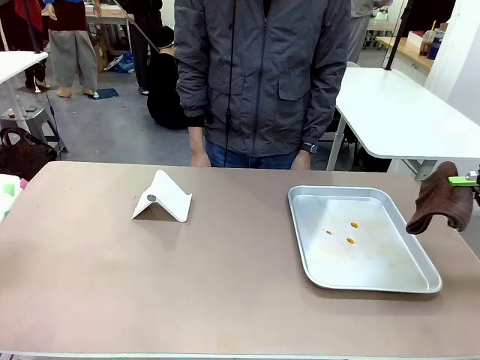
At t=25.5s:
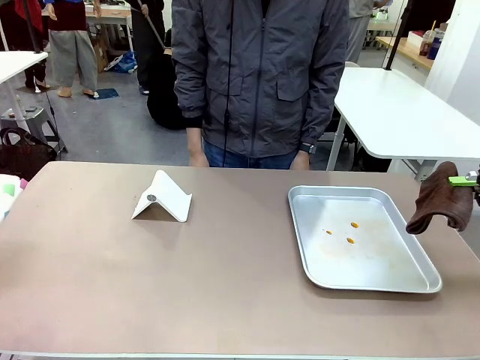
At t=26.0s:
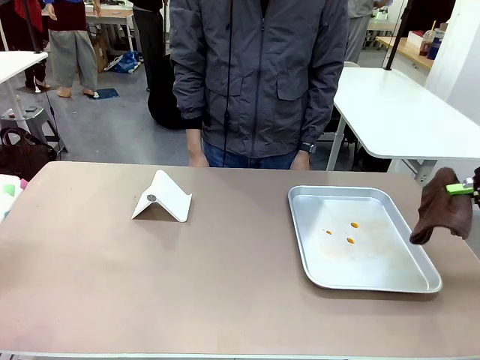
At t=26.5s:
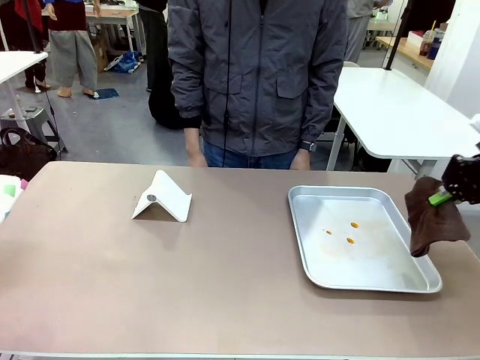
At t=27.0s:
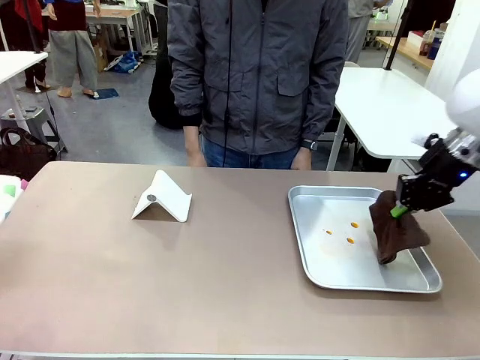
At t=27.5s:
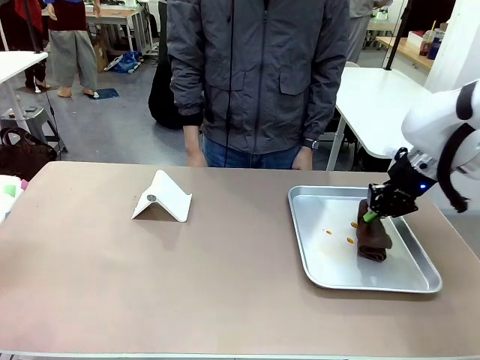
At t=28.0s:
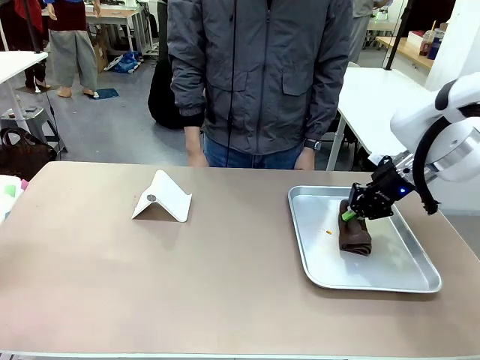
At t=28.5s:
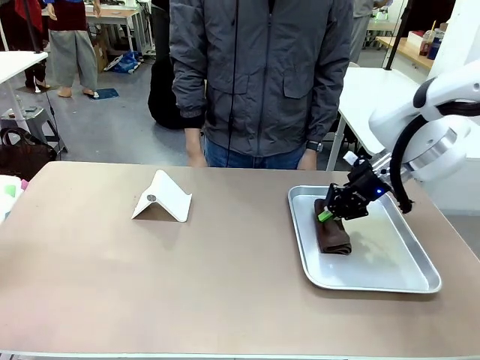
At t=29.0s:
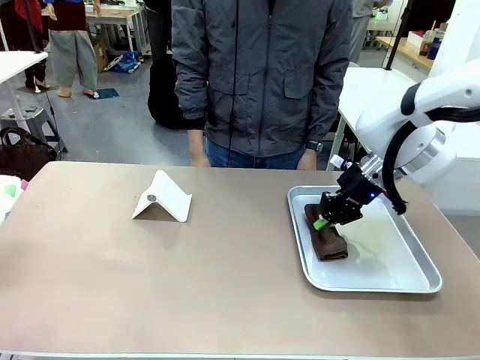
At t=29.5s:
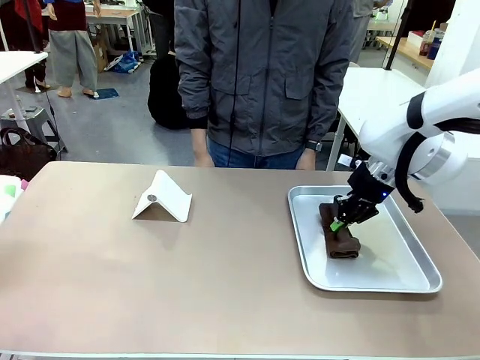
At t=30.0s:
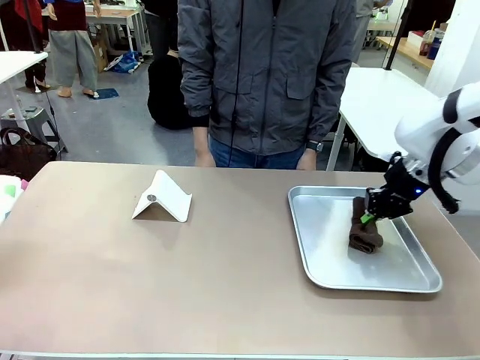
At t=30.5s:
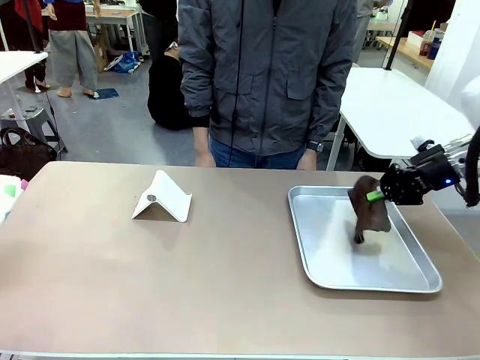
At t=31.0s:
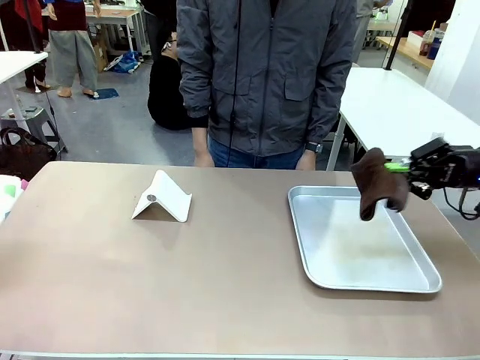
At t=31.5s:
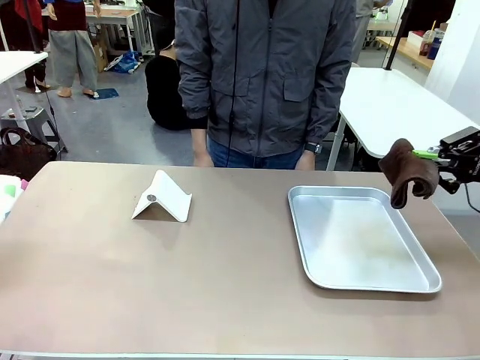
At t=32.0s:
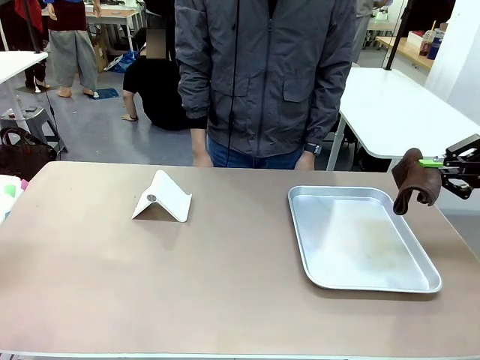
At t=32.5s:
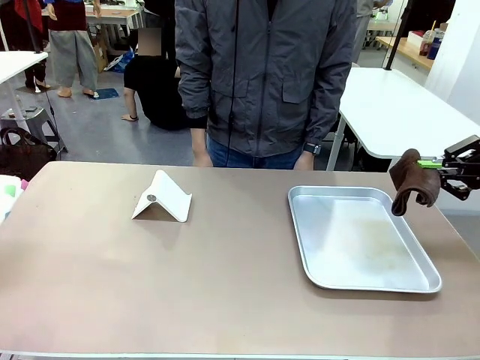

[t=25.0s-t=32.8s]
Task: Clean the surface of the table.
Robot: Clean the area not pointed to by the person.

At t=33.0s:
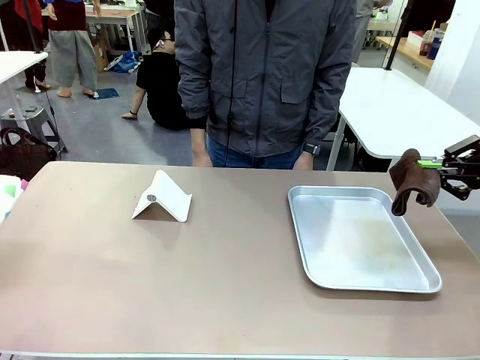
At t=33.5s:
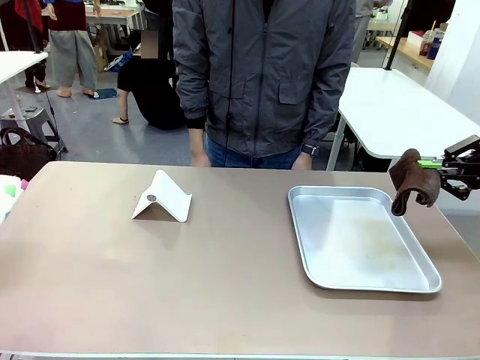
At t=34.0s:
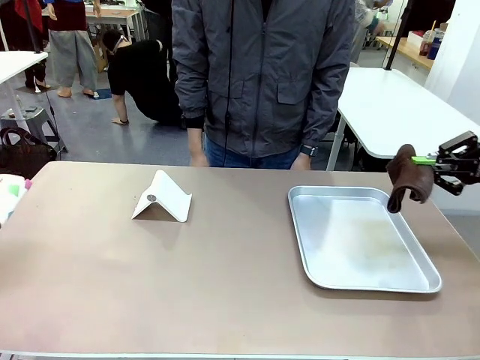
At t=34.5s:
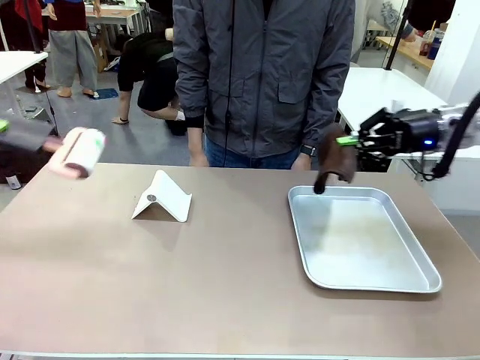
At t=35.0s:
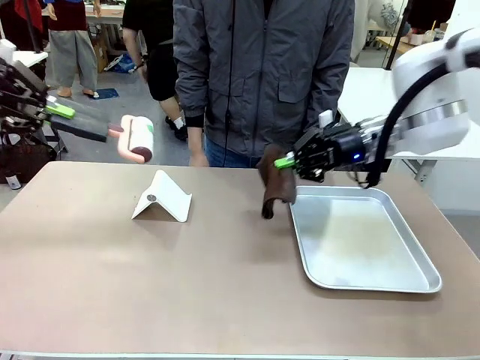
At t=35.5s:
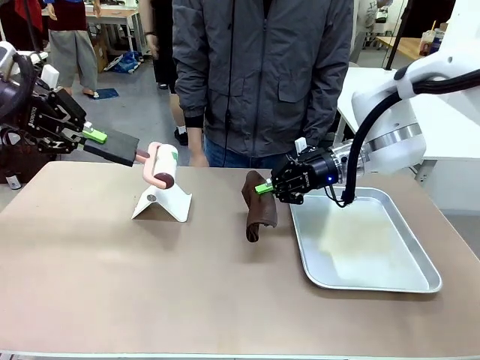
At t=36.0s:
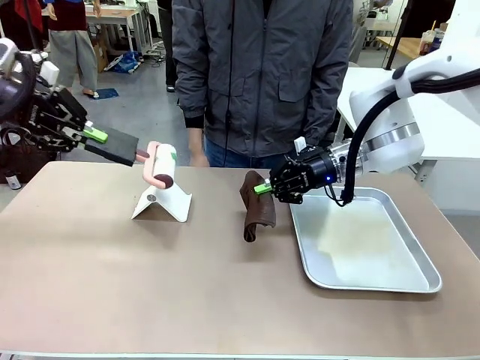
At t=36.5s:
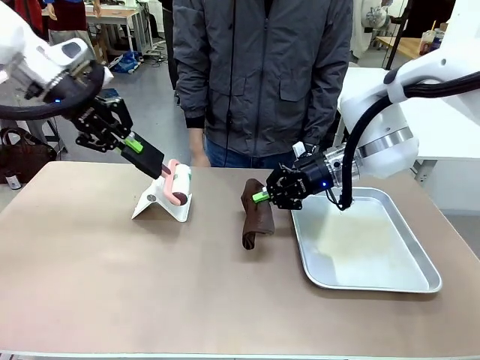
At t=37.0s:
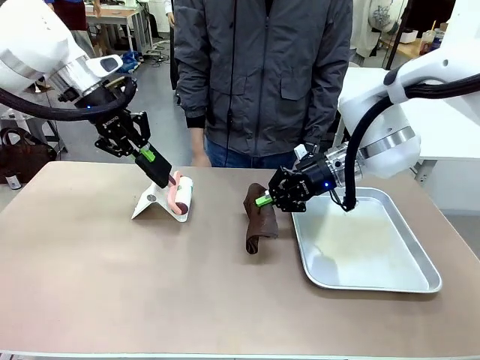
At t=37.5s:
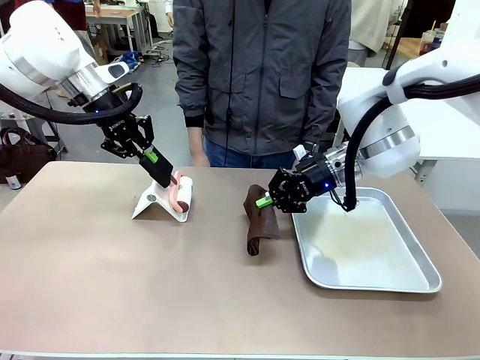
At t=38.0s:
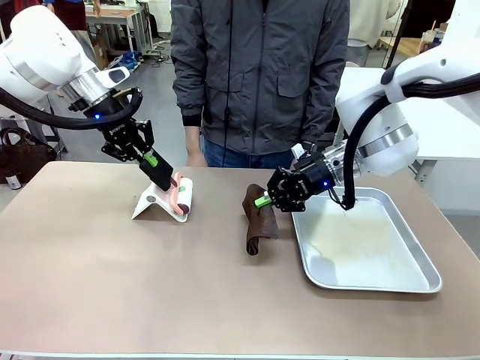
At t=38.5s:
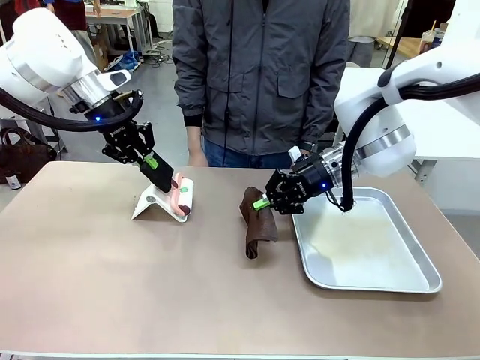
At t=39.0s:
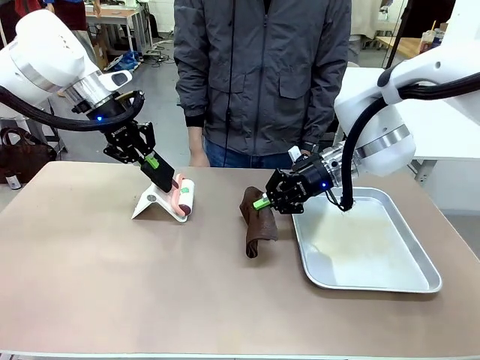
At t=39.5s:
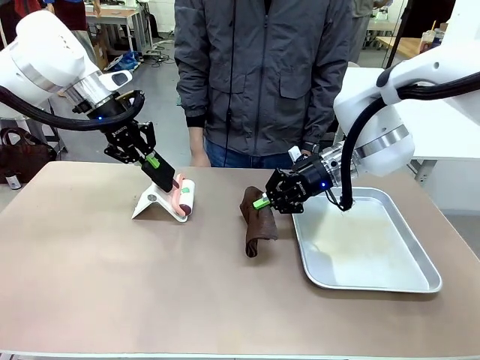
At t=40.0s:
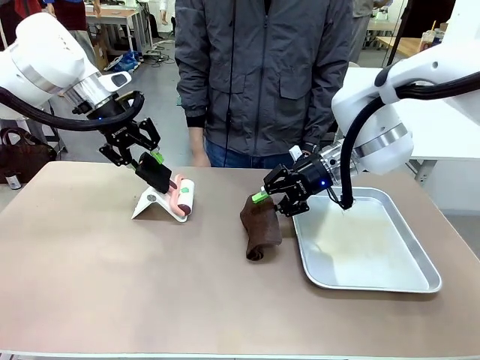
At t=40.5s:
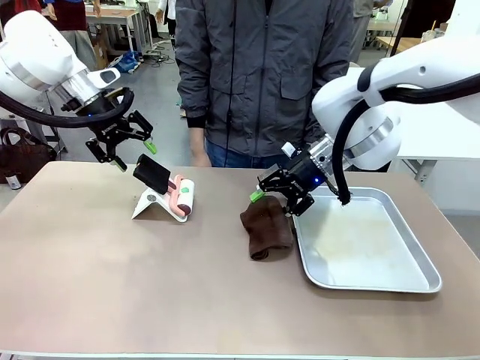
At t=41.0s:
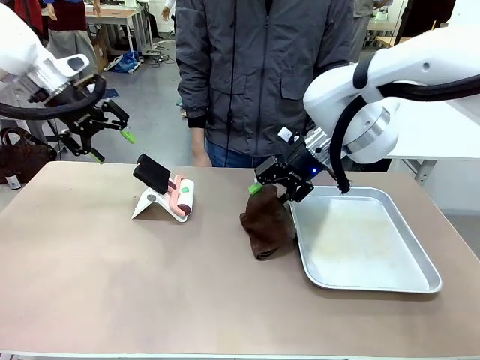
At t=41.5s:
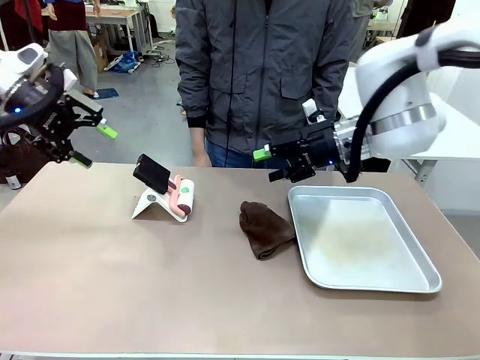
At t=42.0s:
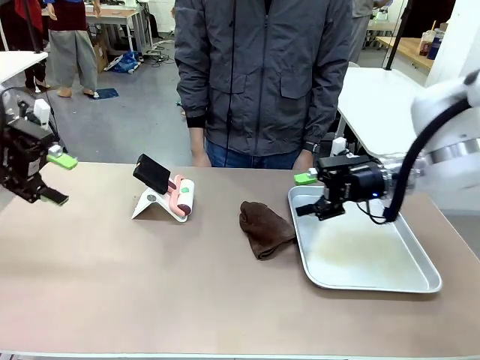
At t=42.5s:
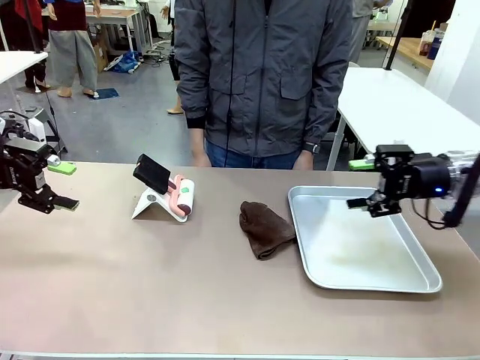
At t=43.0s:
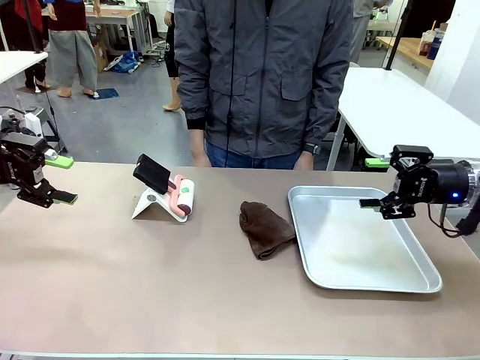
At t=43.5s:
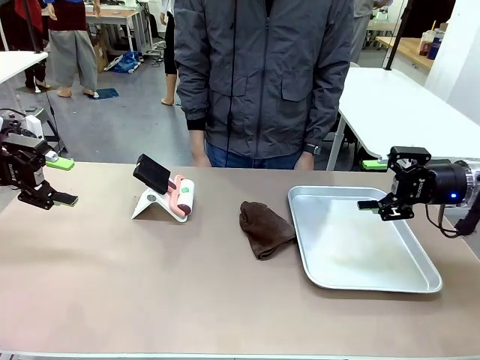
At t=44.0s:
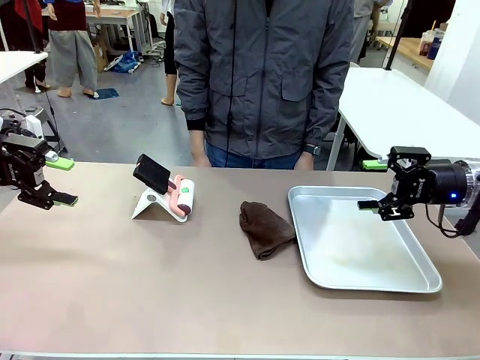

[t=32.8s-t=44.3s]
Robot: Return the Lint Roller and towel to their original positions.

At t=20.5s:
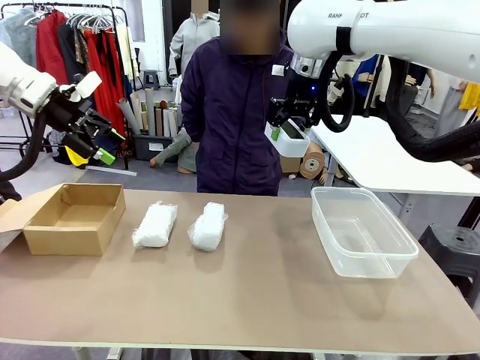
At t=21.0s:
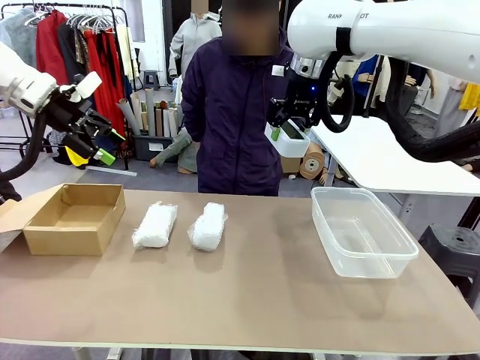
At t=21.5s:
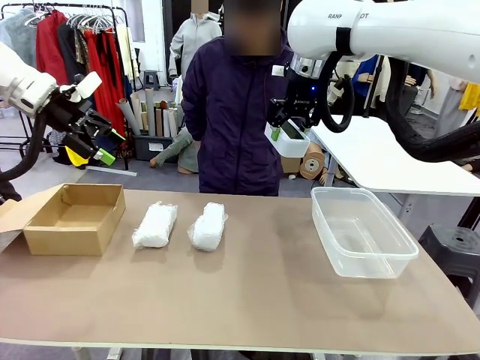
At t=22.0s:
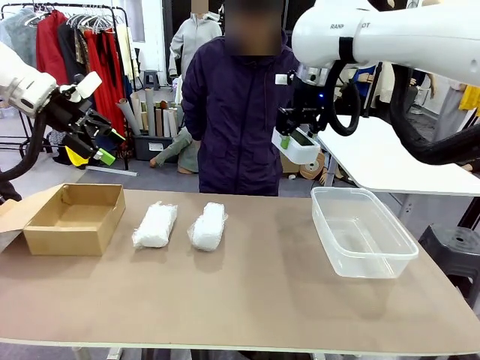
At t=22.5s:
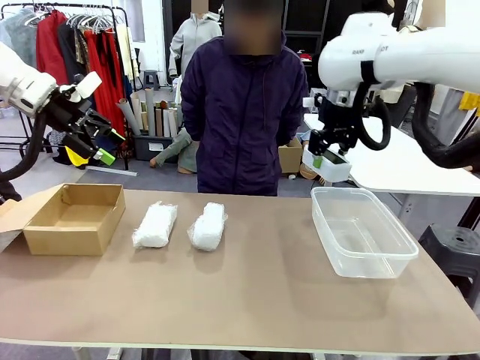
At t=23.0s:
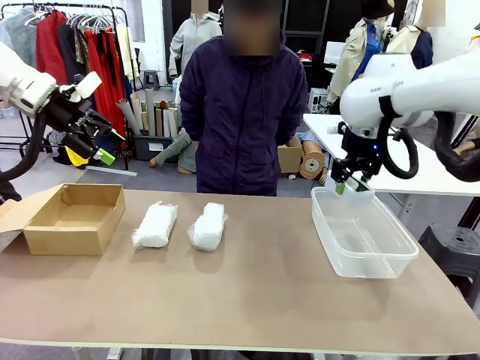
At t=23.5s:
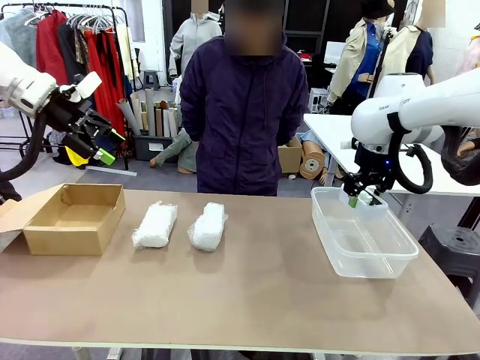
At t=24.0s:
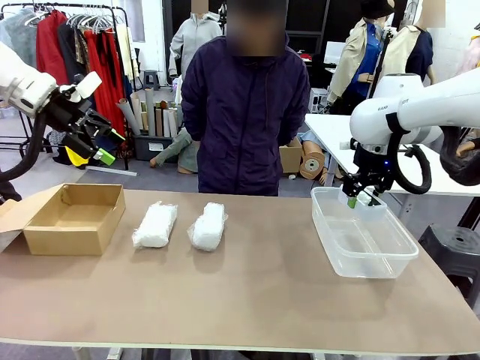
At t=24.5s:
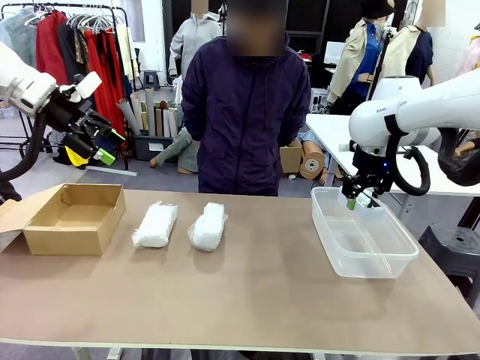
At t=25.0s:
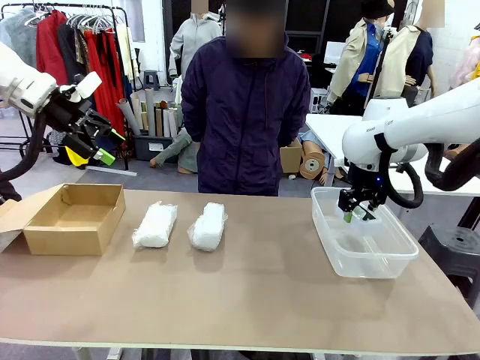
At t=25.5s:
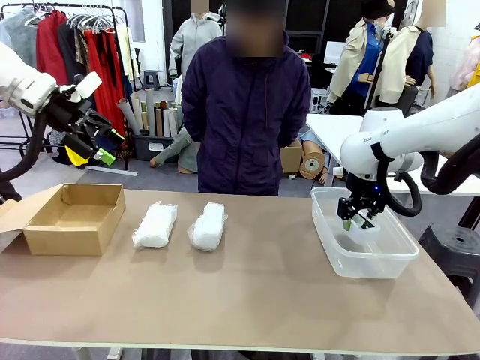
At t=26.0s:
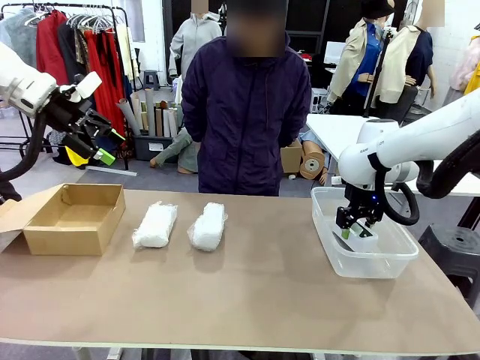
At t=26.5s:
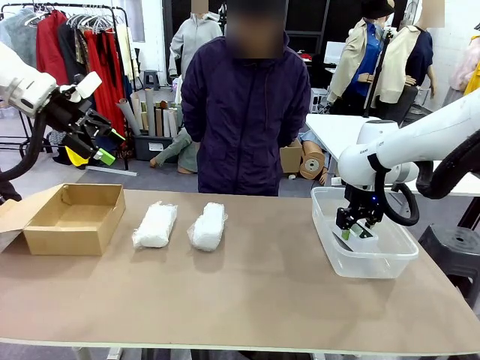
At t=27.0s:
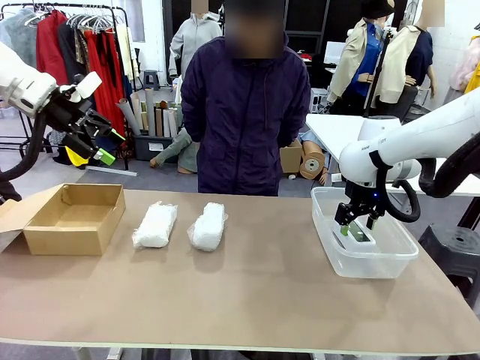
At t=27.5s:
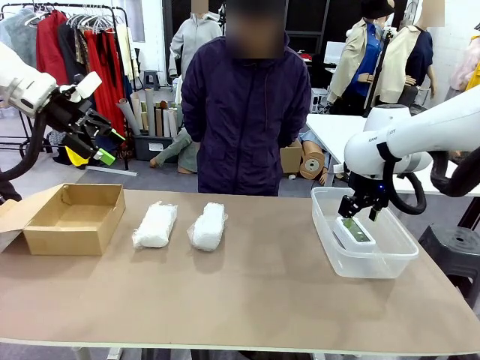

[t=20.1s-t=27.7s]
Task: Separate and place wrapped and unwrapped clocks.
Robot: If the picked Digital clock is wrapped, place it in the Package Box ; if not, place it in the Organizing box.
